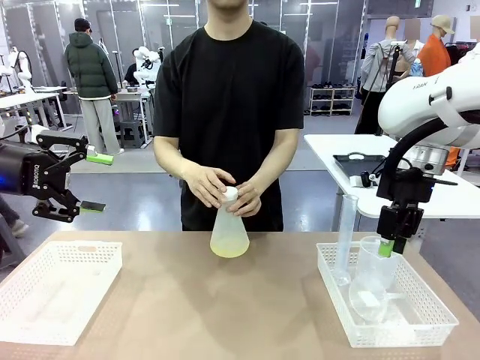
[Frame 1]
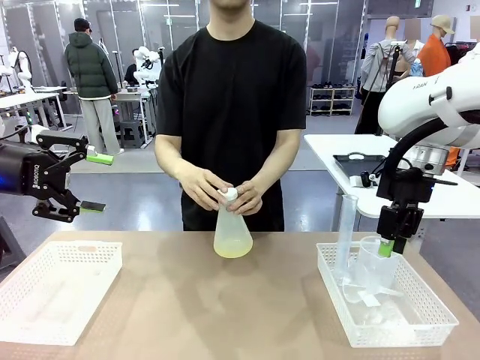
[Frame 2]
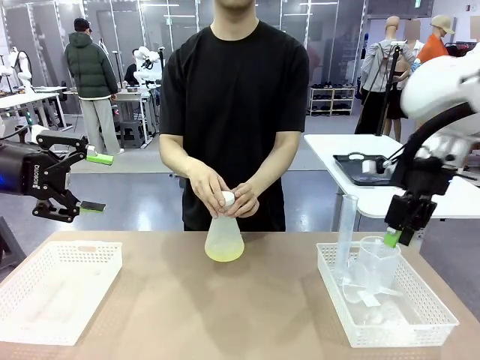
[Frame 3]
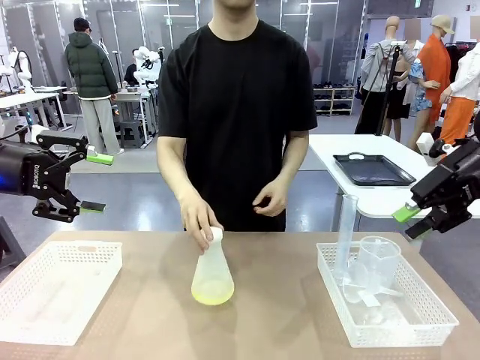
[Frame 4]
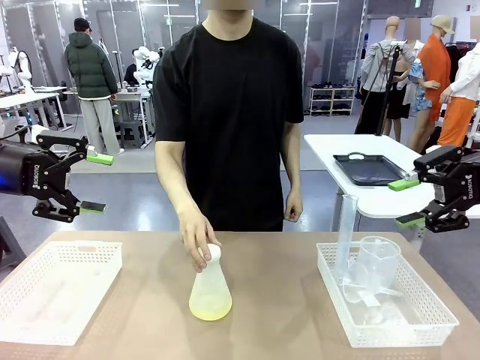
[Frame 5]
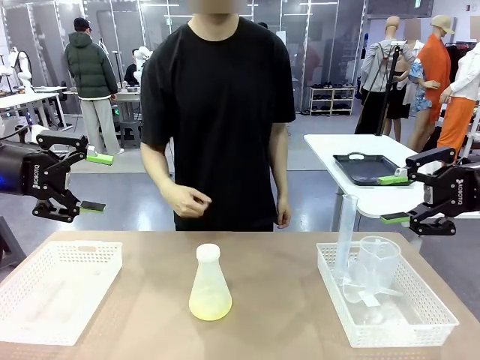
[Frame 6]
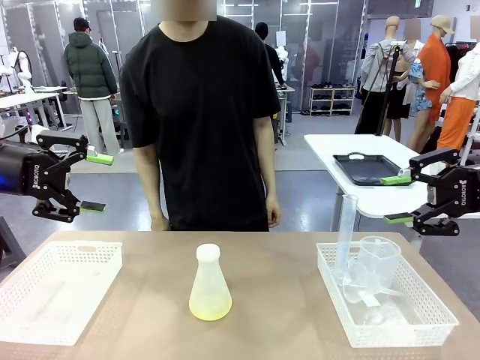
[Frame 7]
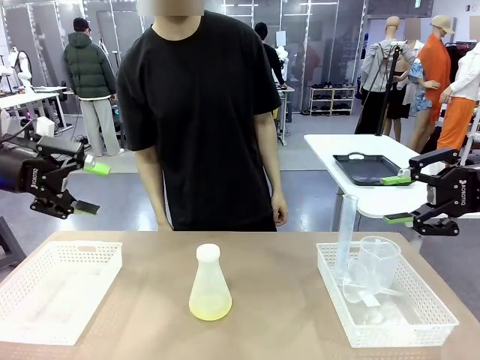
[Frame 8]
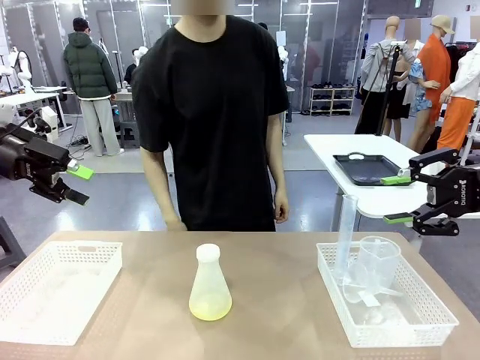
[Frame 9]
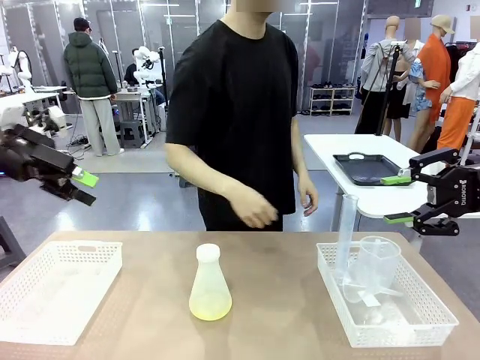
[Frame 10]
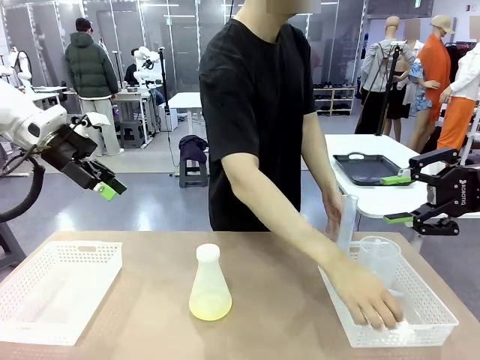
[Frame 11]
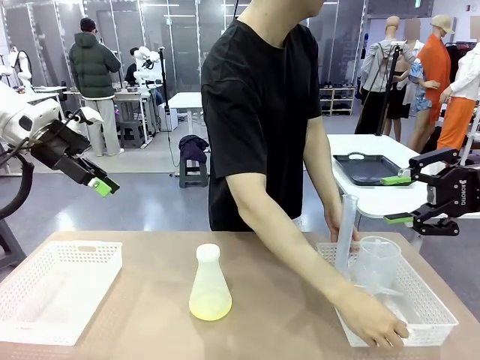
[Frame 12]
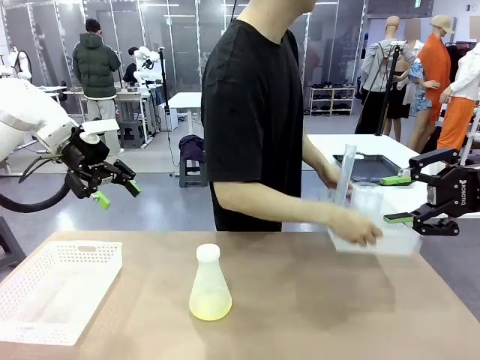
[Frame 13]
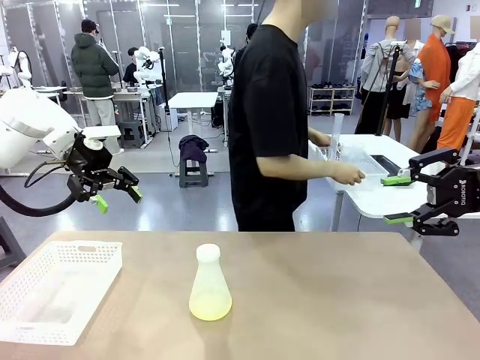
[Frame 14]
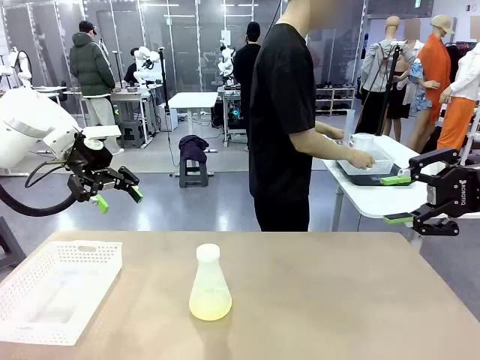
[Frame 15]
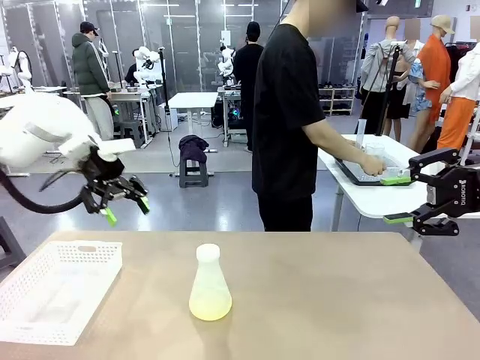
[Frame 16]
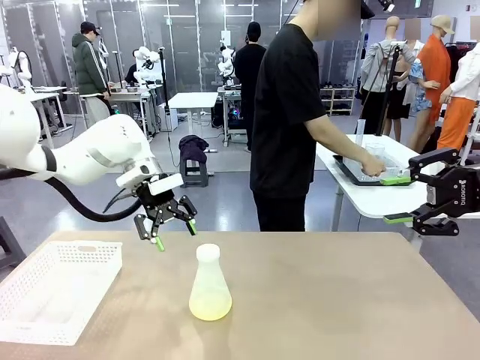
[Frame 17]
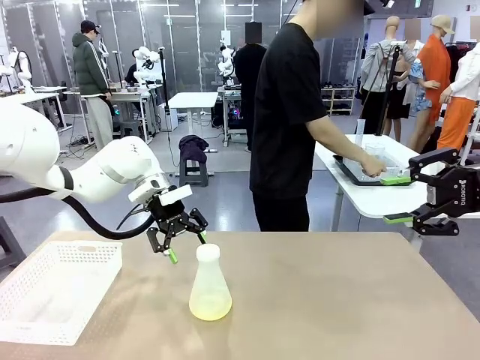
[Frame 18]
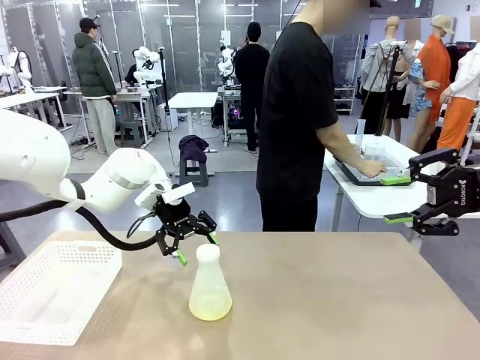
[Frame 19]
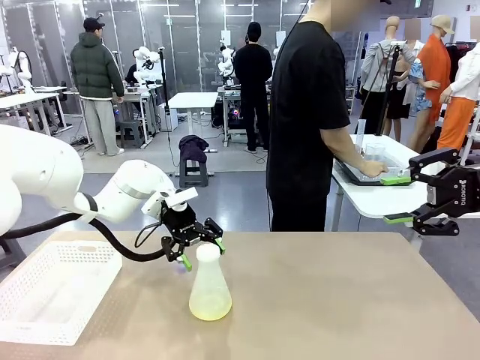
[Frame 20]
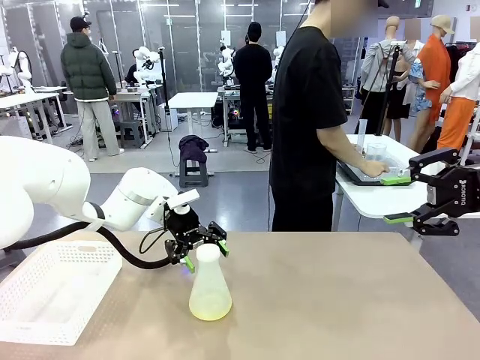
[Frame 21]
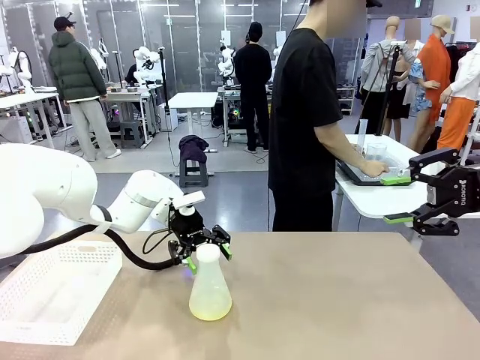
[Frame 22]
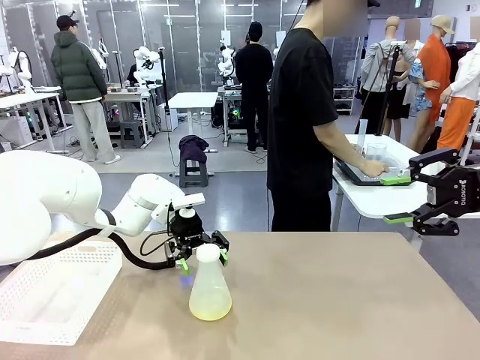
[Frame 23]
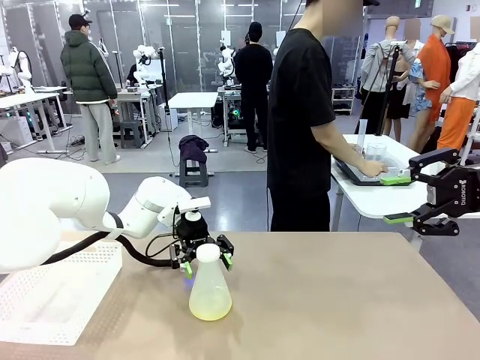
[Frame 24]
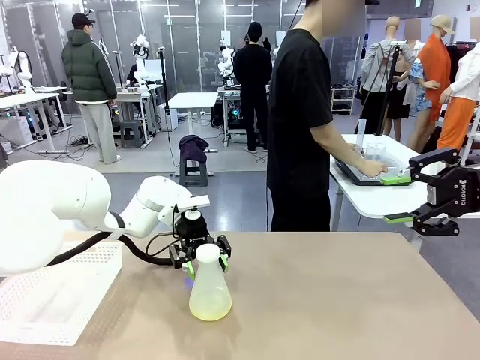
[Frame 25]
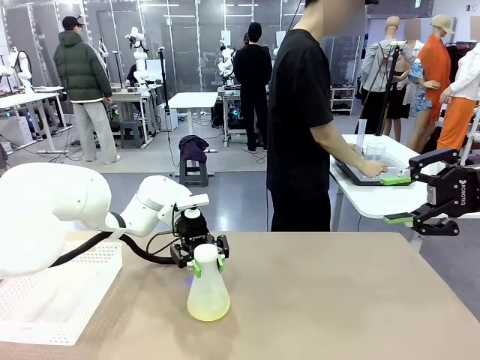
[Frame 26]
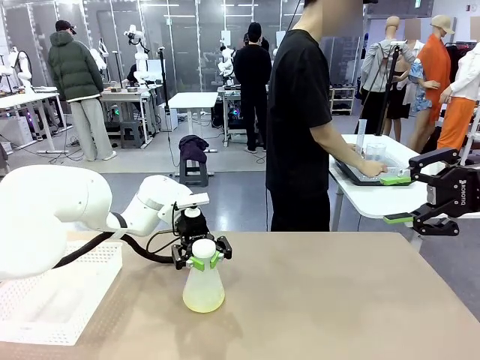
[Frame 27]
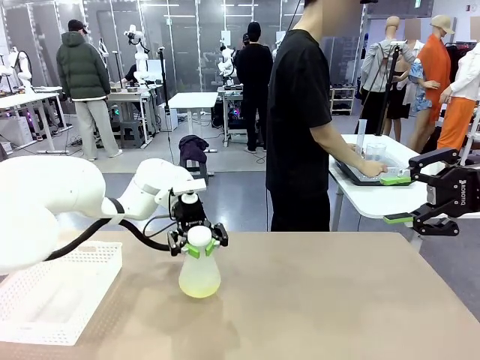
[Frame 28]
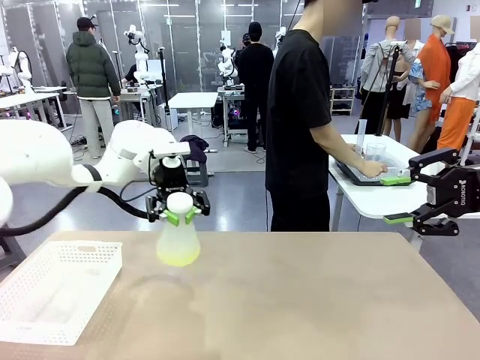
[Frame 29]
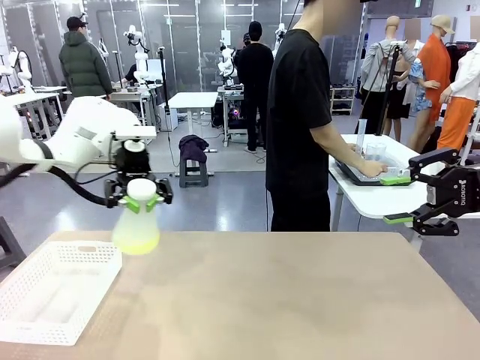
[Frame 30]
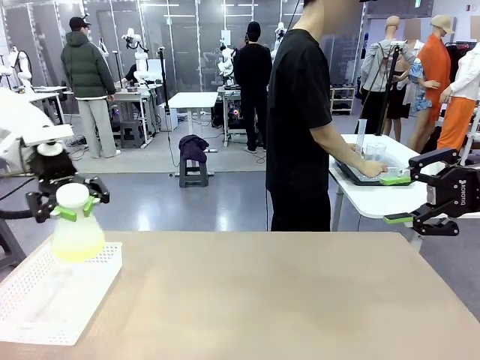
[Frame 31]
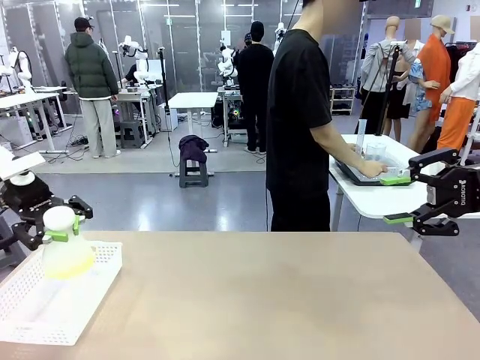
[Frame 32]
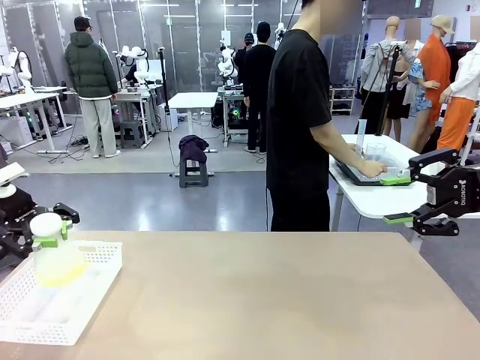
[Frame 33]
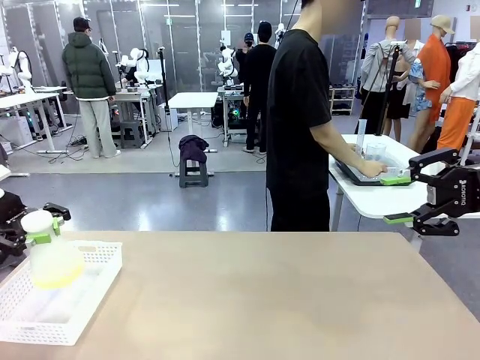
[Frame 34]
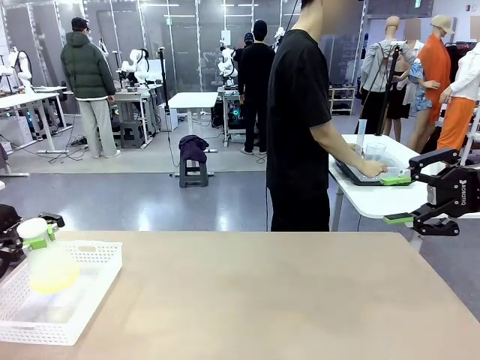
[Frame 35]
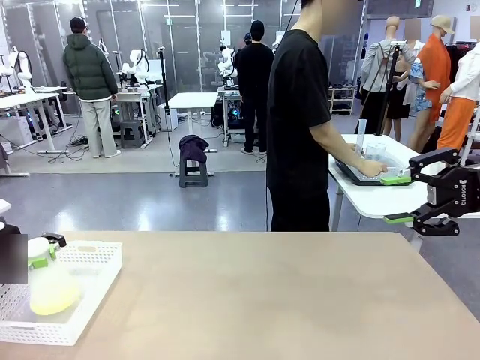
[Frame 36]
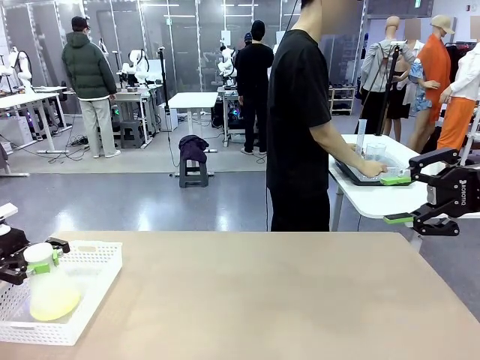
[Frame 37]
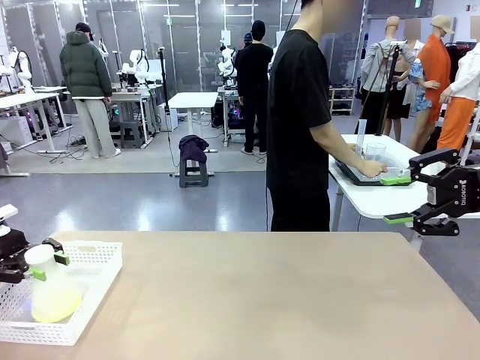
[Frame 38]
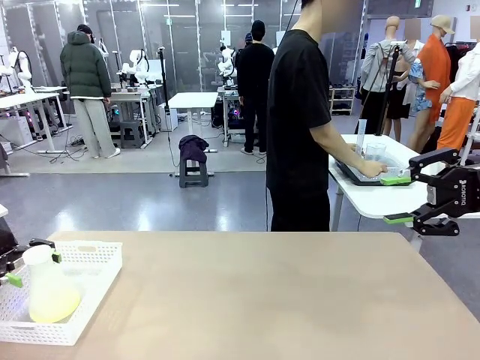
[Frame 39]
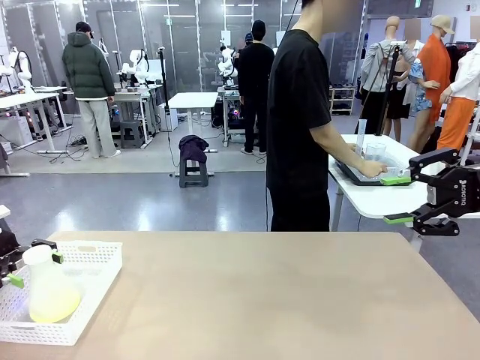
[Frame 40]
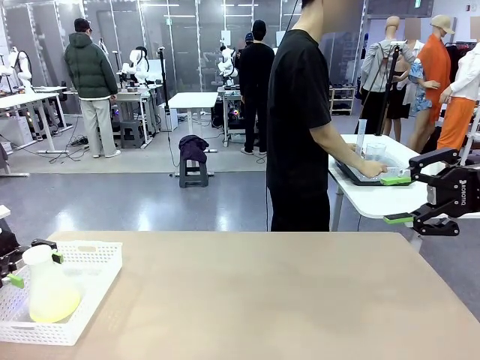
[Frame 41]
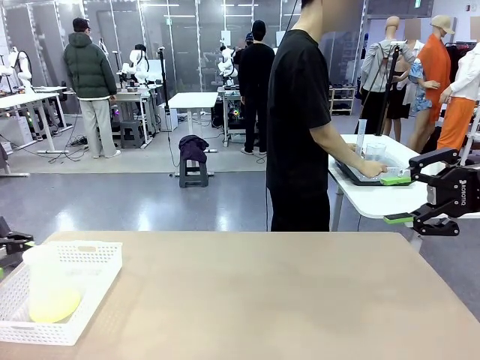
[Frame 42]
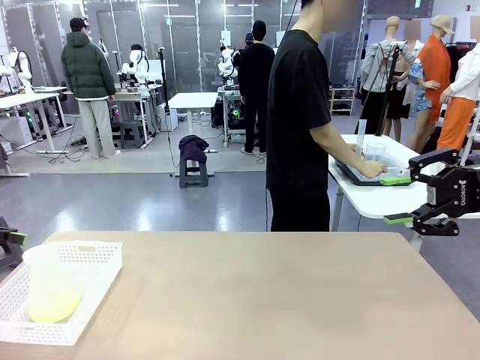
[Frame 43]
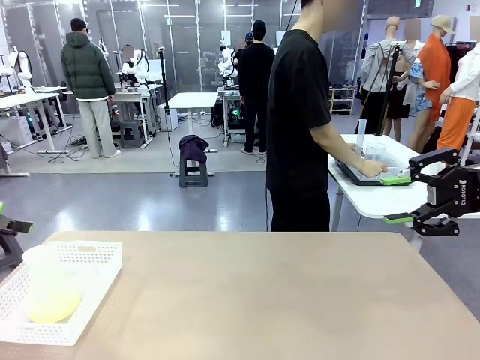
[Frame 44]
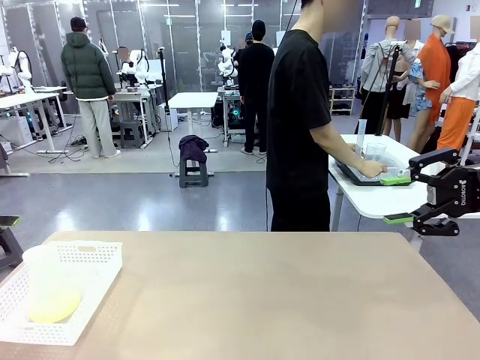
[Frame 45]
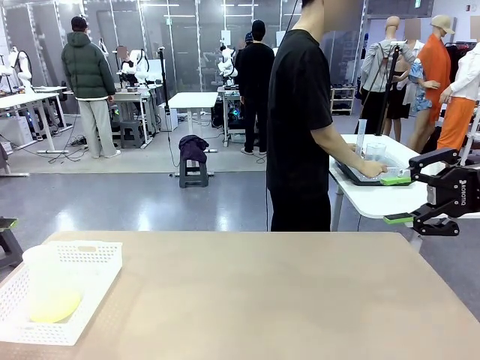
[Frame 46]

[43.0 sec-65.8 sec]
Task: Prepare the solutions needed for the experiment.
Robot: When the human places the Big flask in the center of the table, pick up the Big flask and place it in the left Organizing basket.
Person: Pick up the organizing basket on the left side of the robot table and place it on the left side of the human table.
